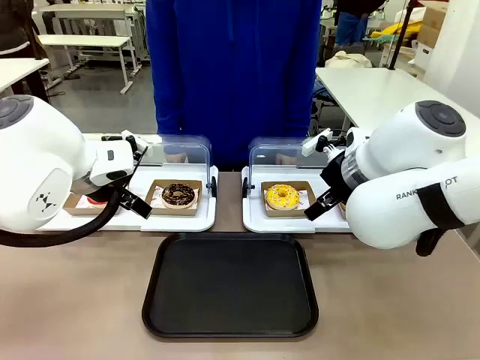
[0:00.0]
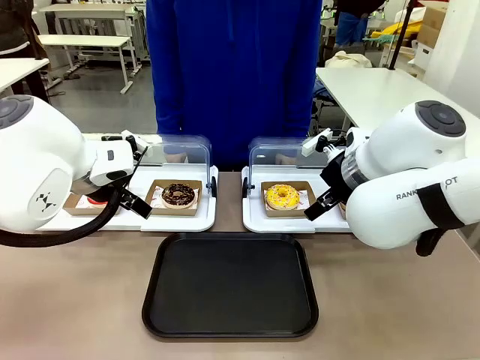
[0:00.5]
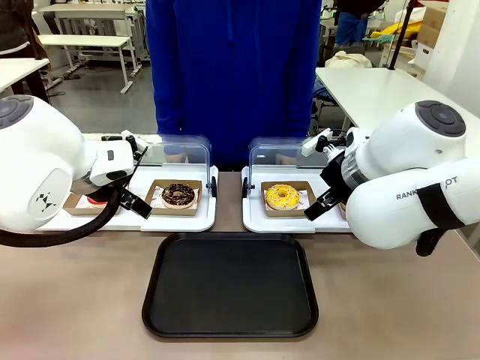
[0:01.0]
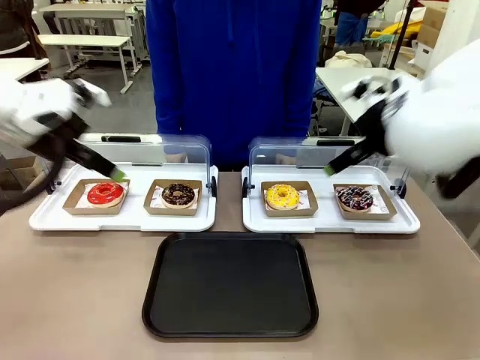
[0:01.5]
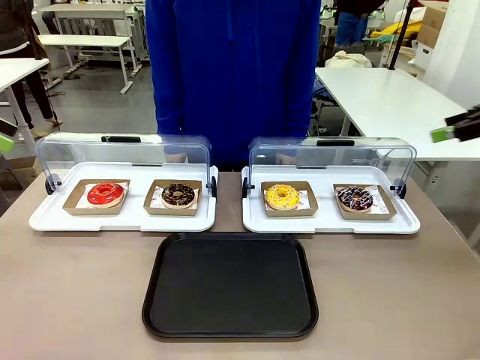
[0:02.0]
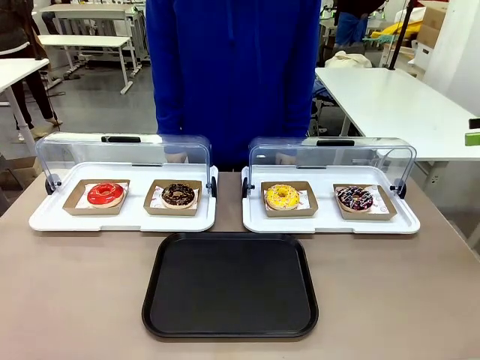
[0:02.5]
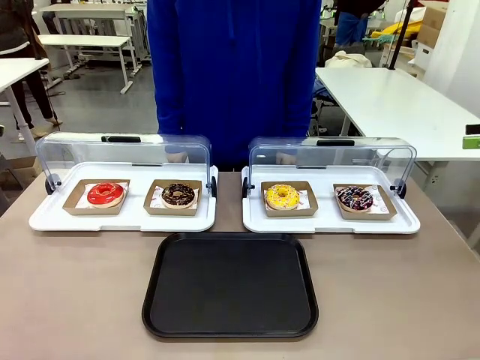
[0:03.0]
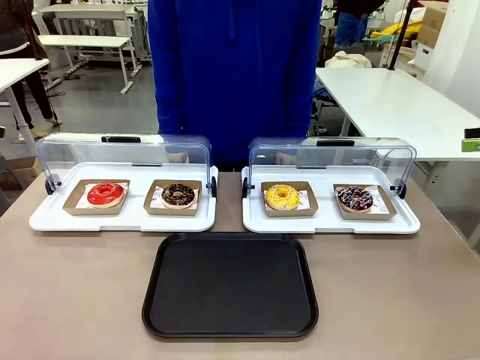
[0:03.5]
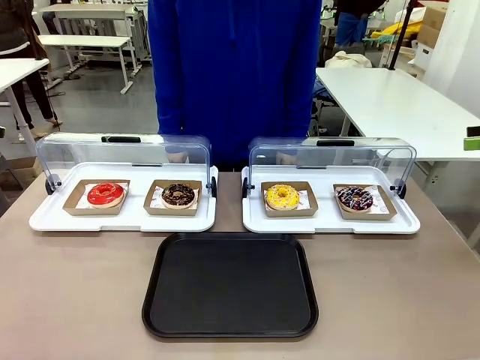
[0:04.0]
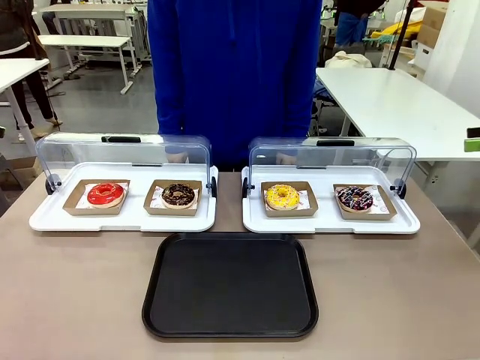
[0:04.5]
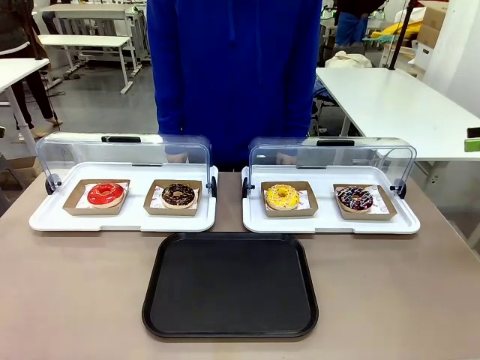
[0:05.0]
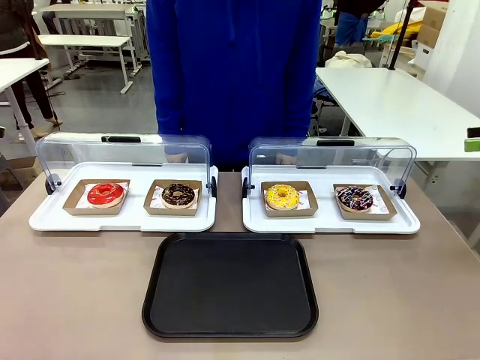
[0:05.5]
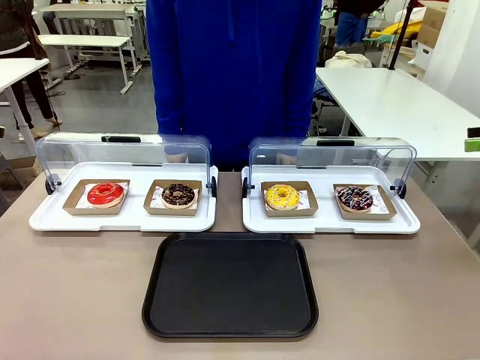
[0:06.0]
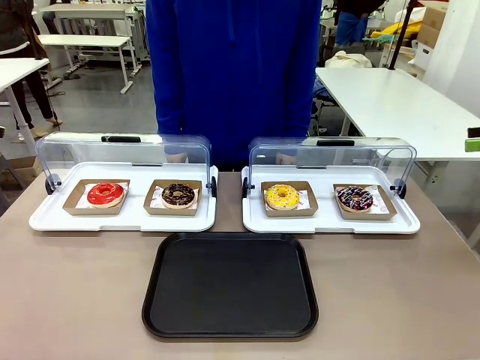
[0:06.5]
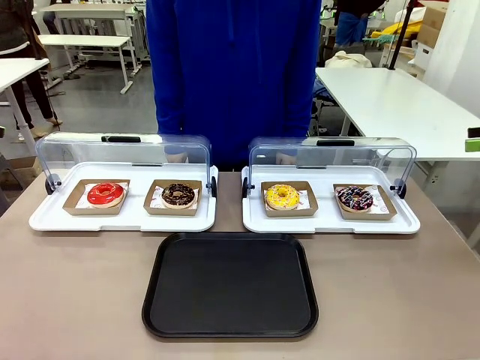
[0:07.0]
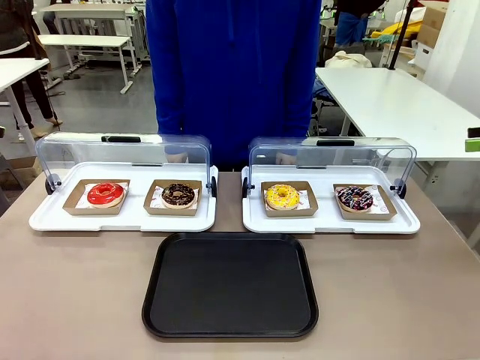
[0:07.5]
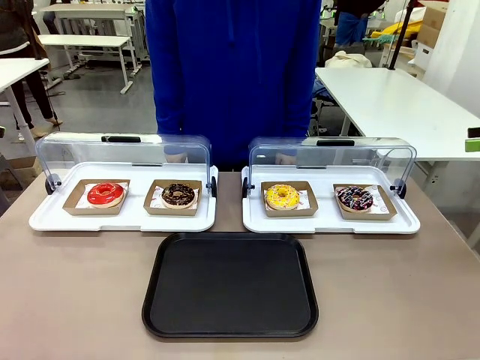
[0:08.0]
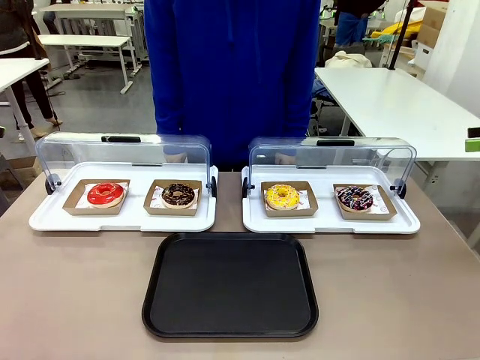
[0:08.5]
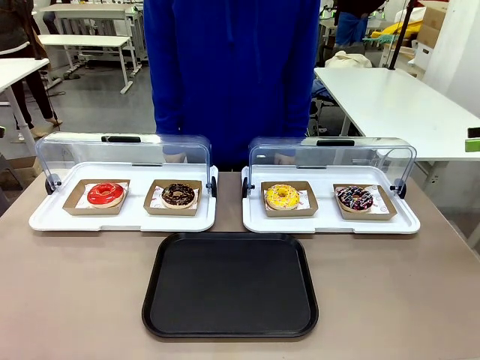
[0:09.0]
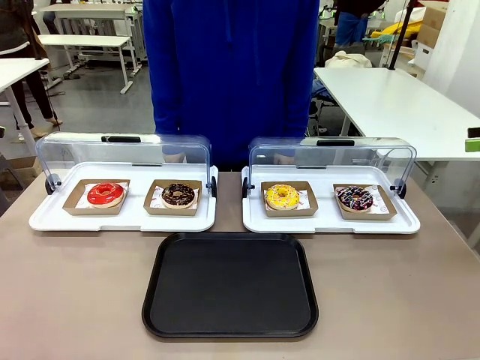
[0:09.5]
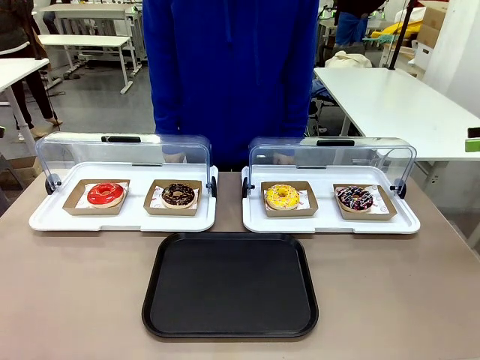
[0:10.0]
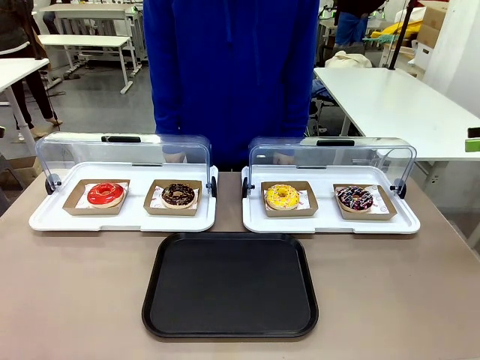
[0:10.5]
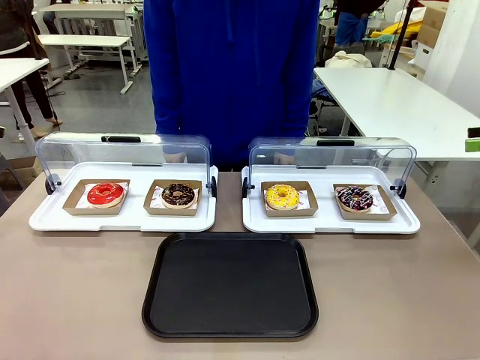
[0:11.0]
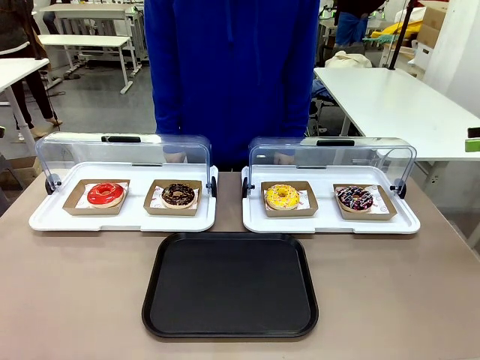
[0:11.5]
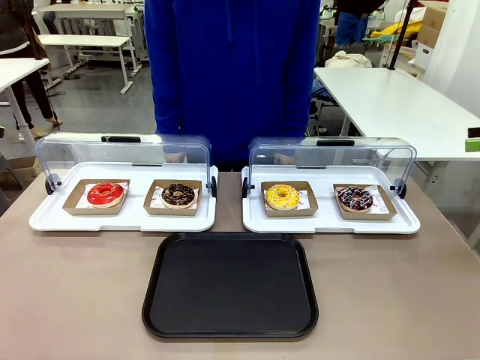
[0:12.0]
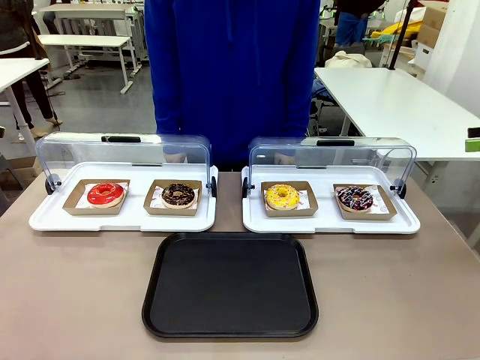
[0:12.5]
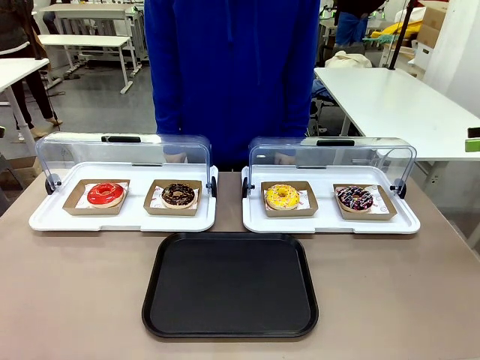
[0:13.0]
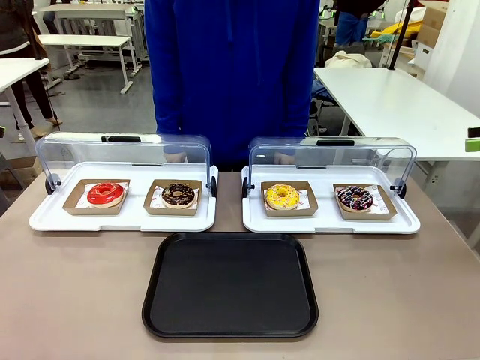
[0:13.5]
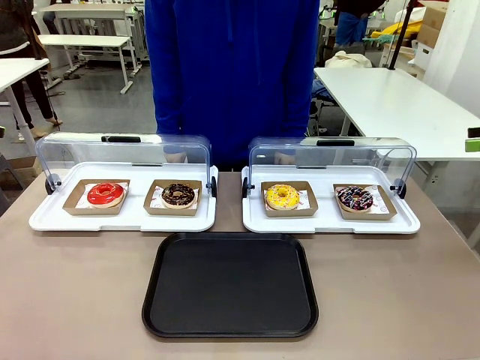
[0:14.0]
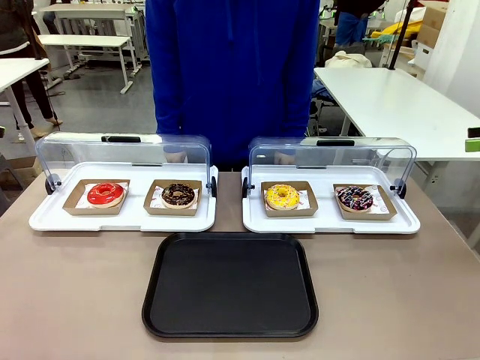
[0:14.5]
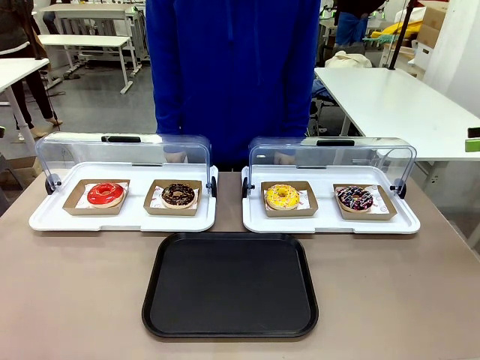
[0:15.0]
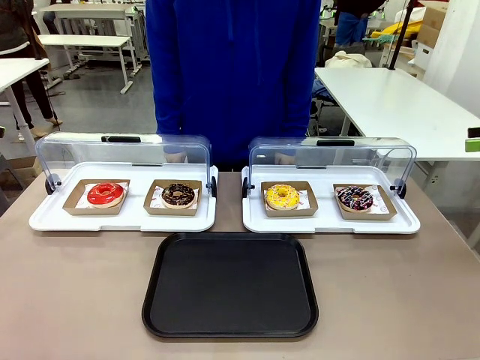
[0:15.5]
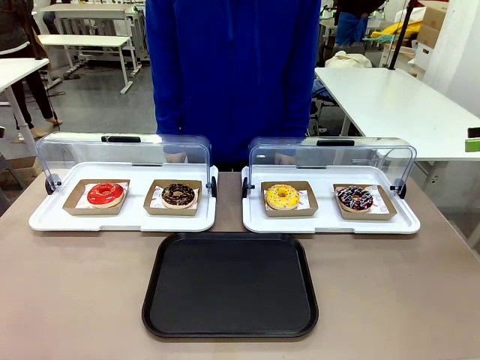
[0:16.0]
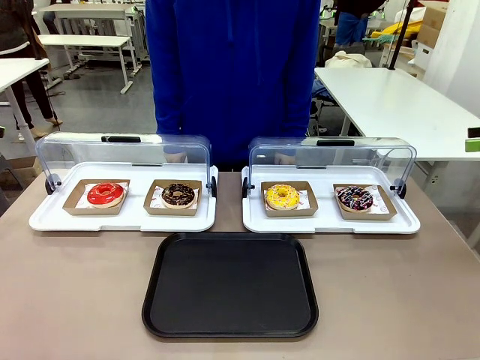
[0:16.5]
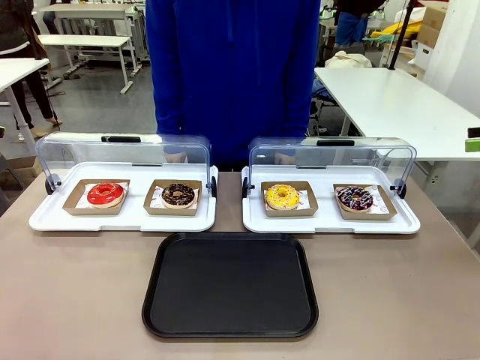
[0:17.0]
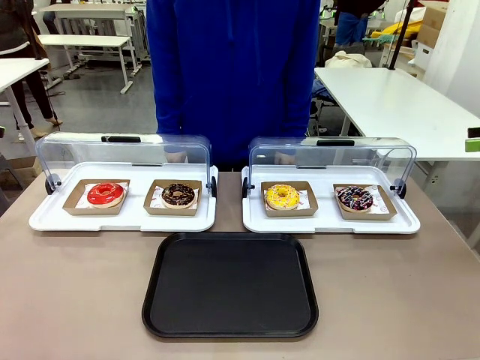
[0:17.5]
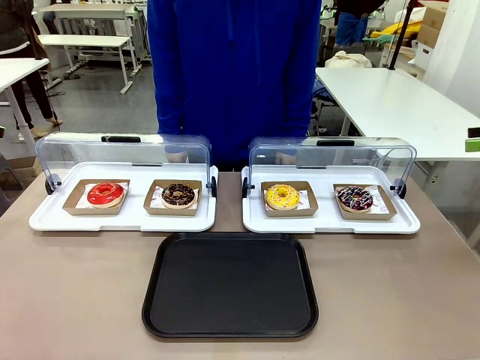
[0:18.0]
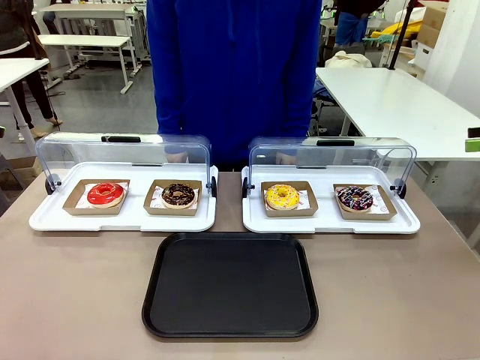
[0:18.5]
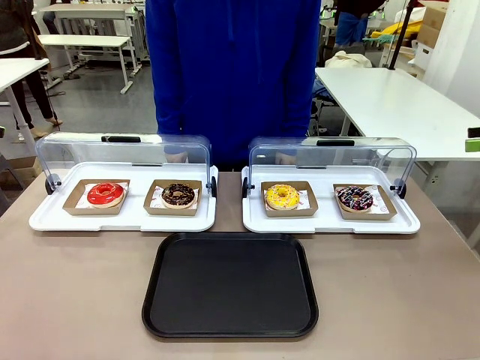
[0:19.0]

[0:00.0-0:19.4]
Task: Move the third donut from the left to the tray.
Robot: Pick up the Paper togo box containing the Donut indicated by the person and place it on the Handle tray.
